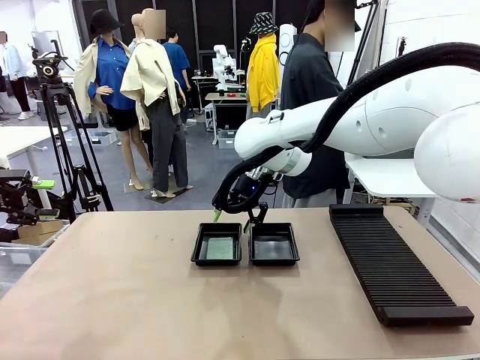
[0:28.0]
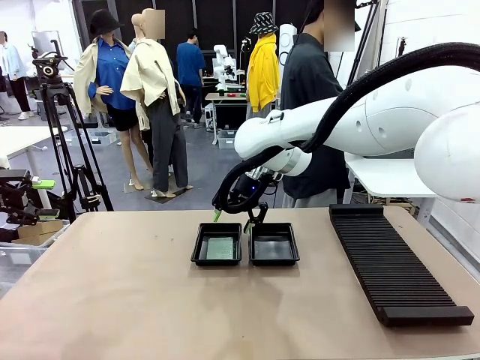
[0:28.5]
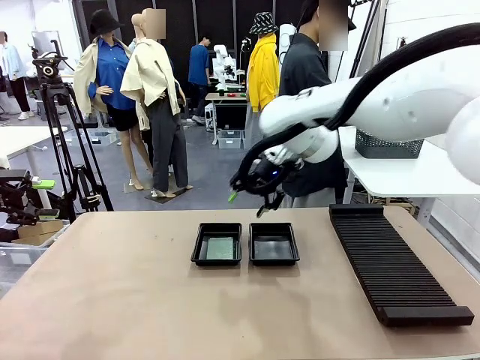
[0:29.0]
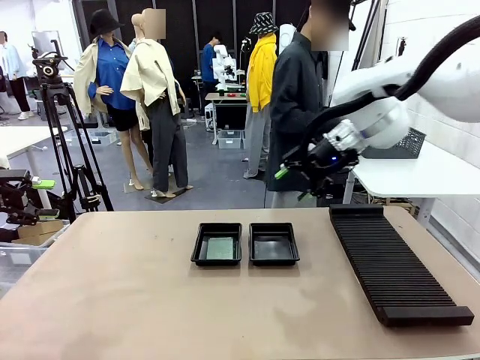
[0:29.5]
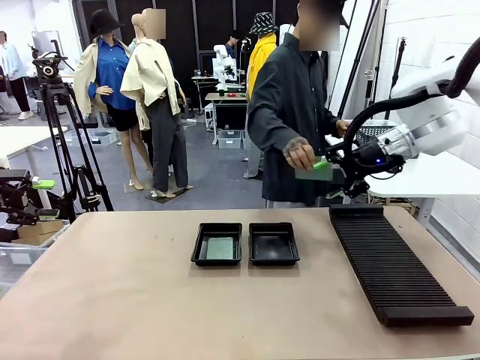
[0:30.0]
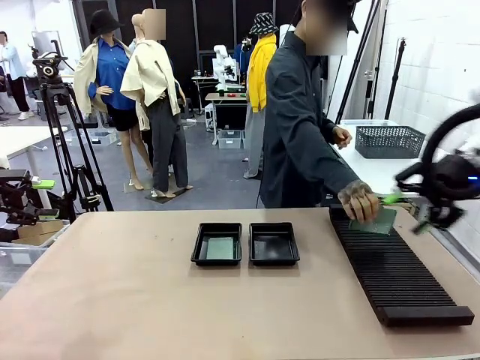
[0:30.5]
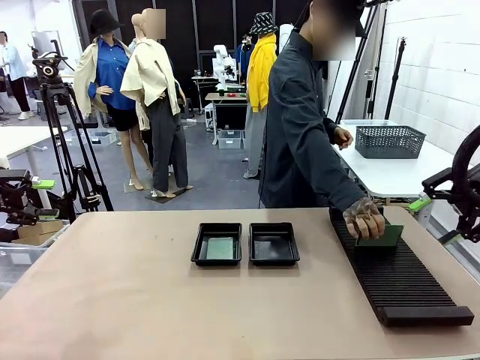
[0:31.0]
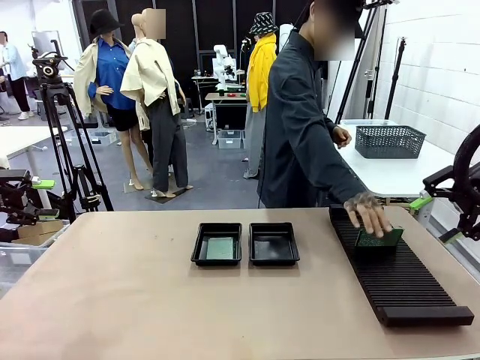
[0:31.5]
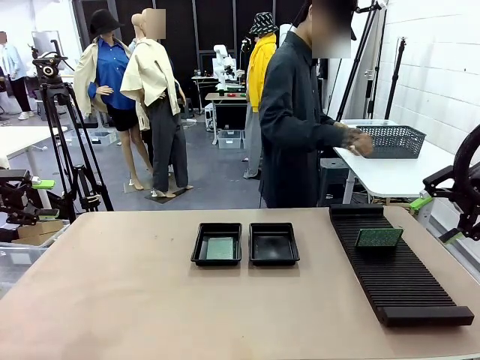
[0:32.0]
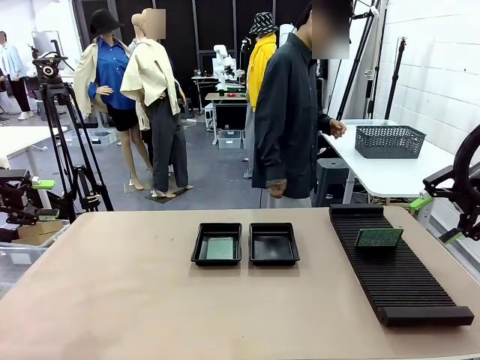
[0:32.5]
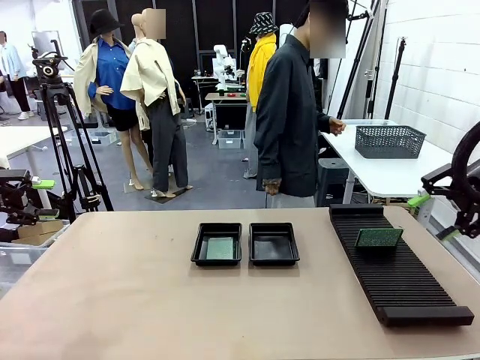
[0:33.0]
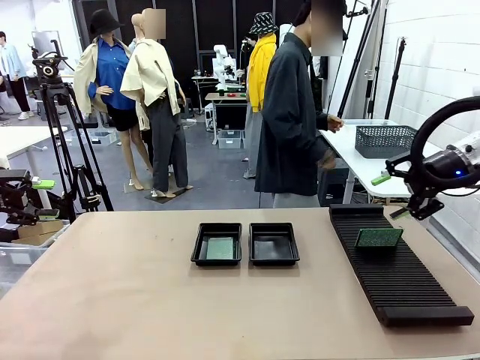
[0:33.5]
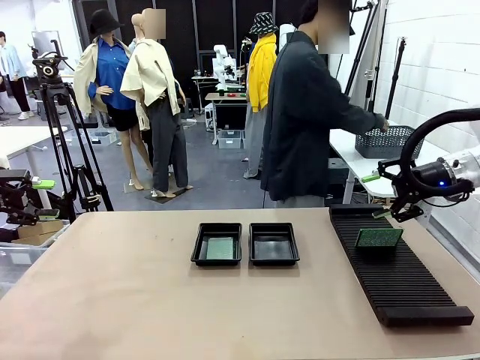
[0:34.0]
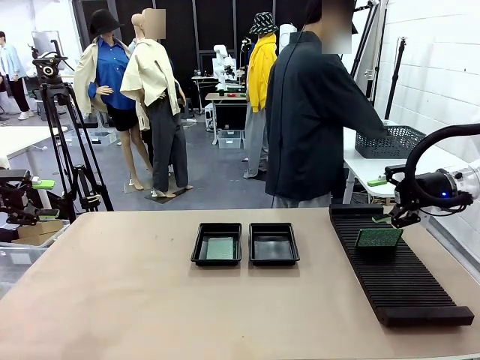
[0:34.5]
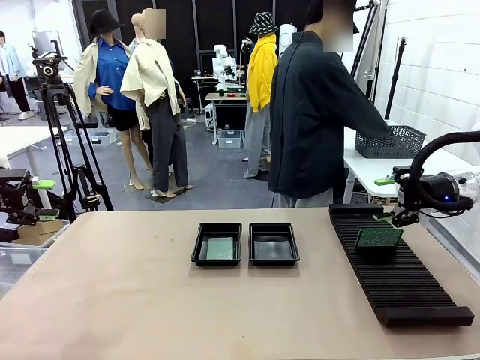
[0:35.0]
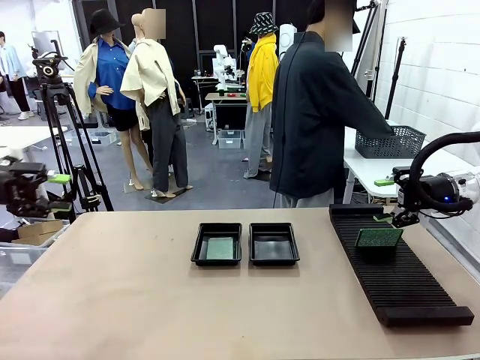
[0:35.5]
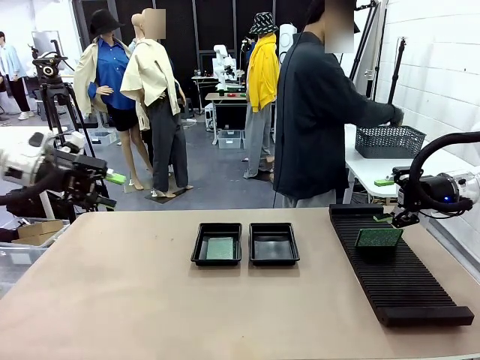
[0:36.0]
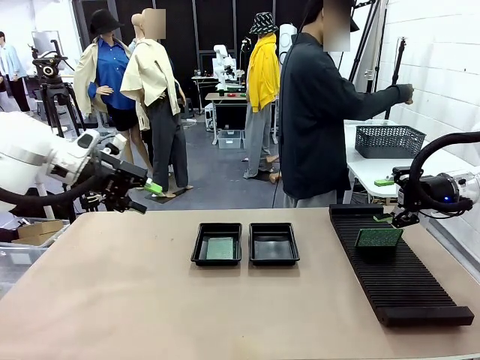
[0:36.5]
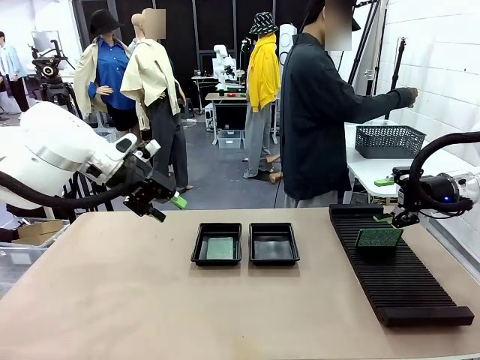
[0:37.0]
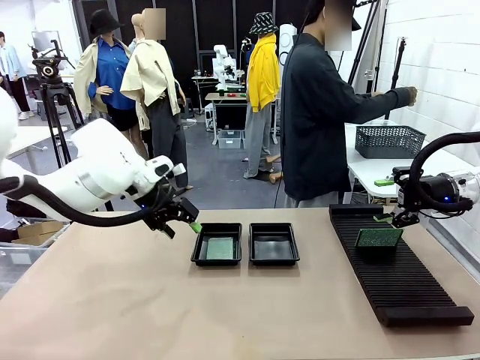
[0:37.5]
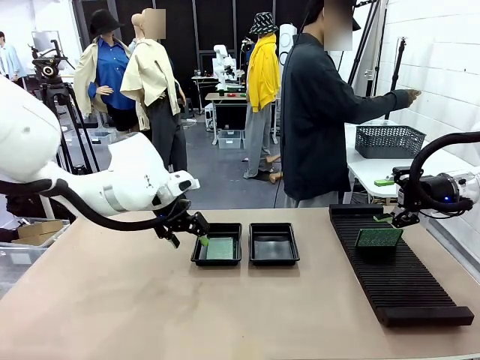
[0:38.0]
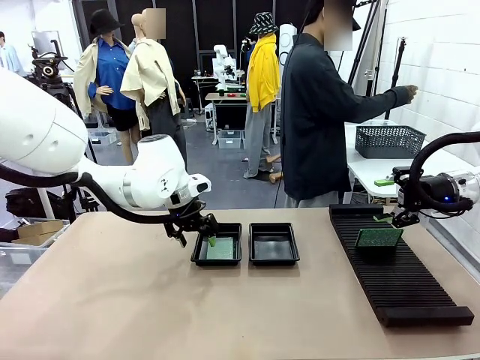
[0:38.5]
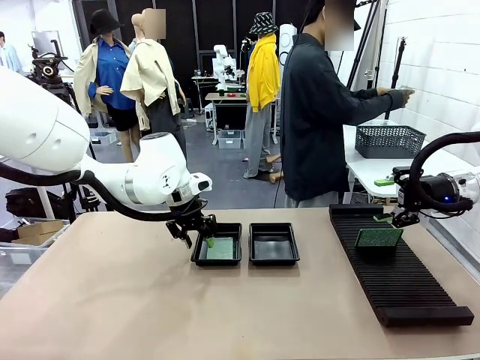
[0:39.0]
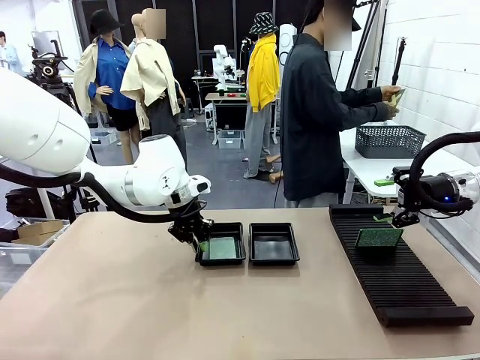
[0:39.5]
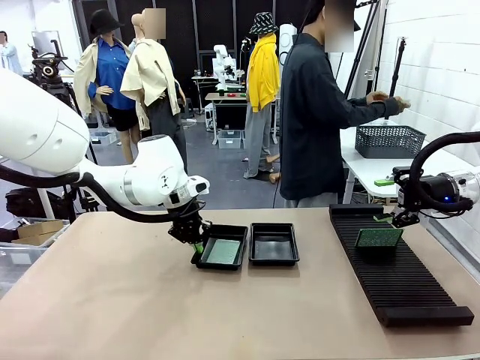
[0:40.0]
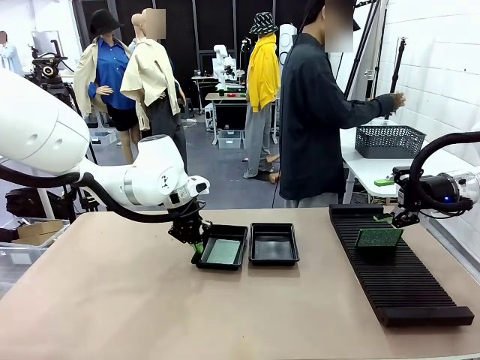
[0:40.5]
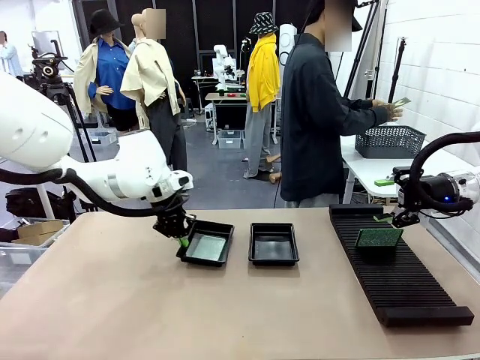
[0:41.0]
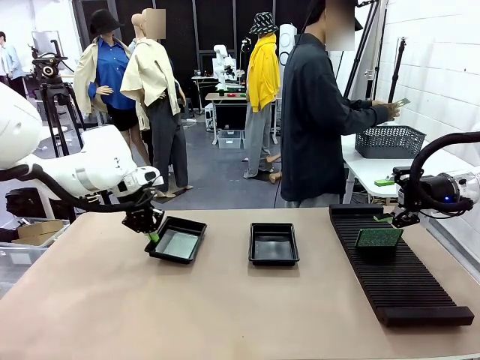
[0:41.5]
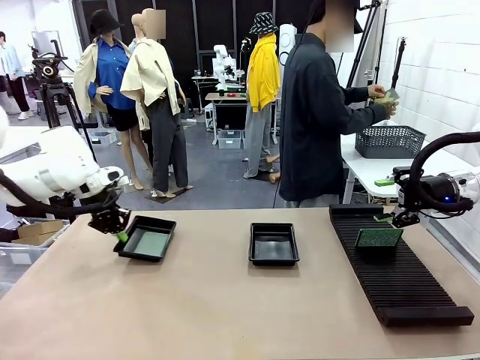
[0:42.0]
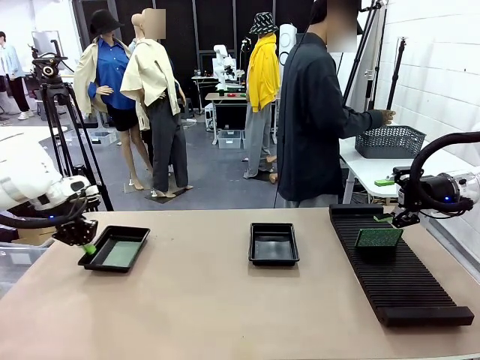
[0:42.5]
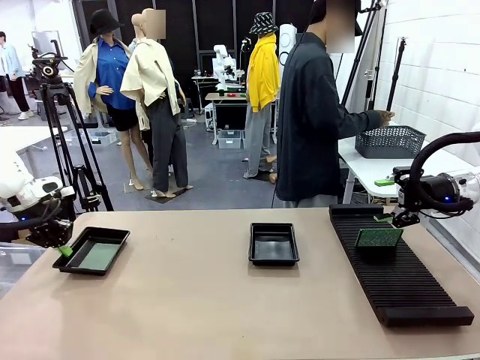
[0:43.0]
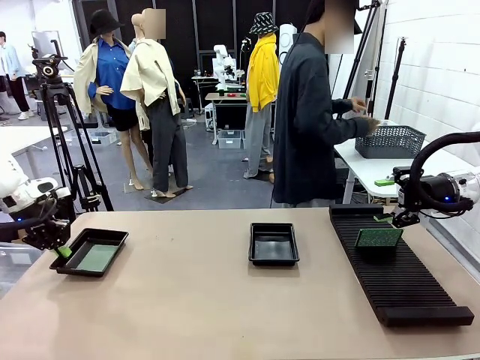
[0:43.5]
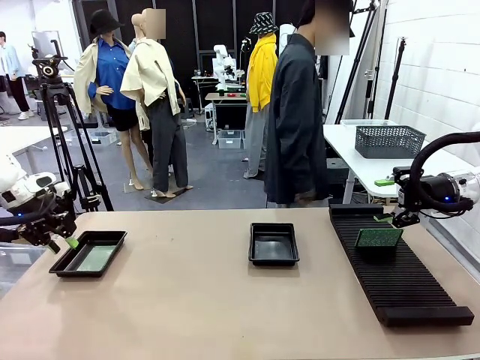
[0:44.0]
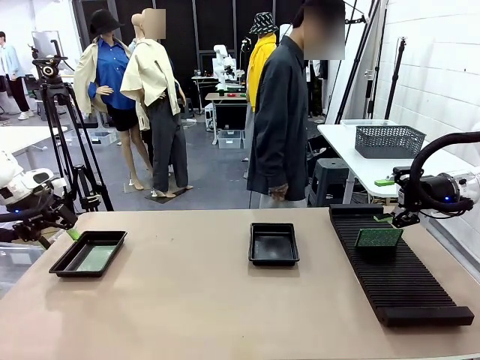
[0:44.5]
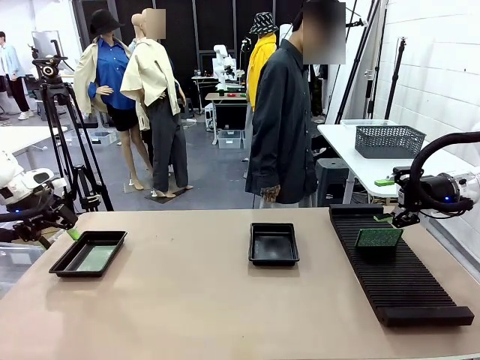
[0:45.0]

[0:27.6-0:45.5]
Task: Inspect and transfer BCBs to ESD trays.
Robot: Pick up the ESD tray and place it on the left side of the table.

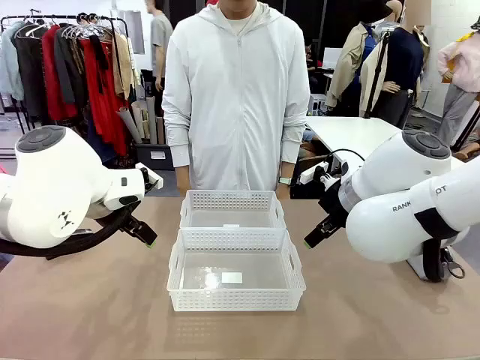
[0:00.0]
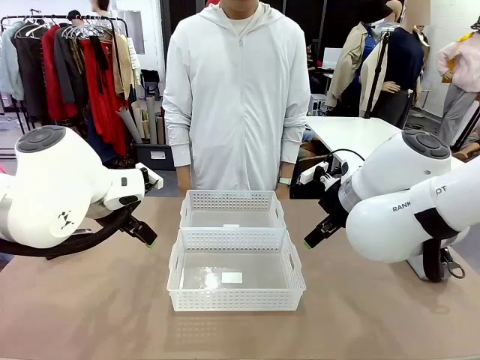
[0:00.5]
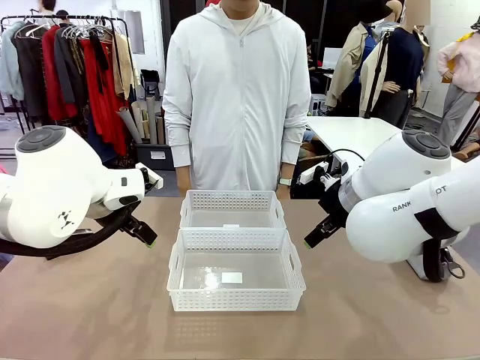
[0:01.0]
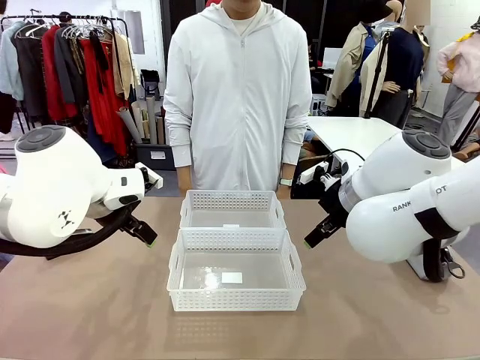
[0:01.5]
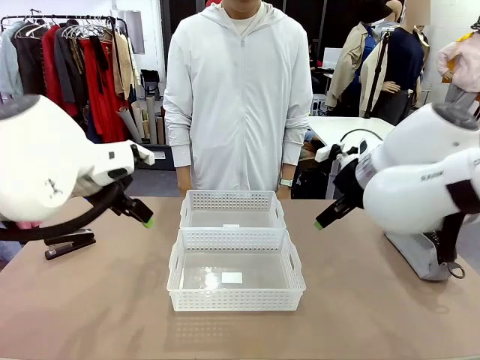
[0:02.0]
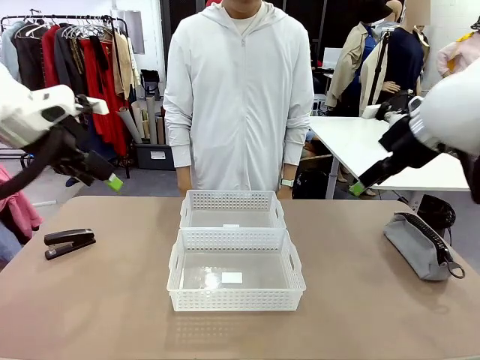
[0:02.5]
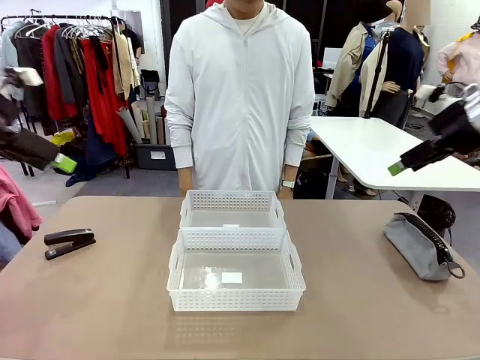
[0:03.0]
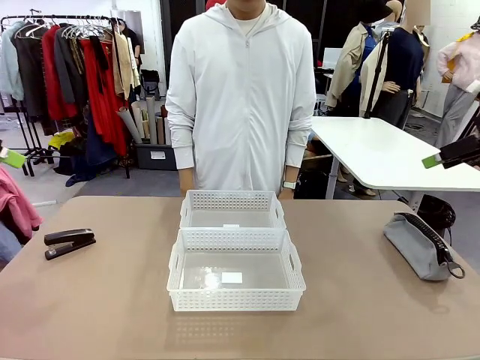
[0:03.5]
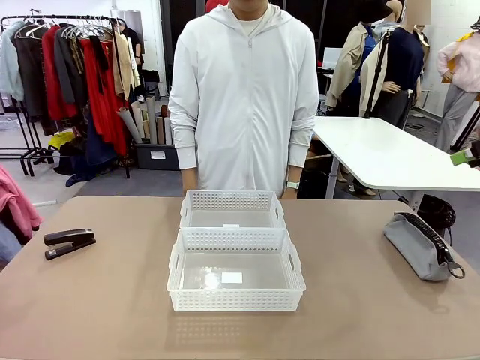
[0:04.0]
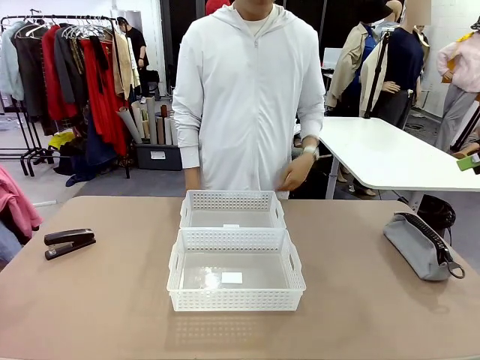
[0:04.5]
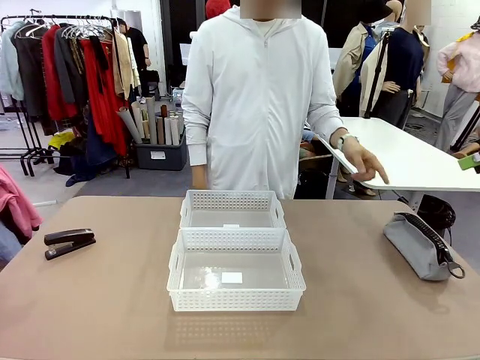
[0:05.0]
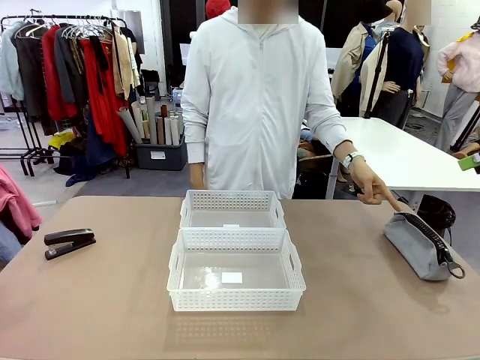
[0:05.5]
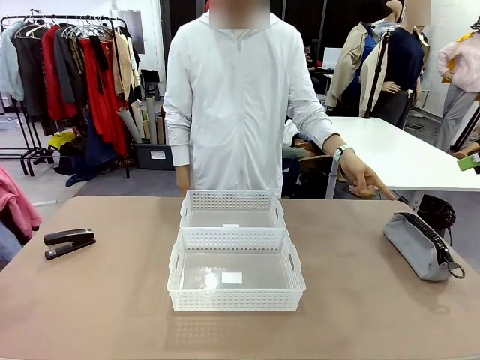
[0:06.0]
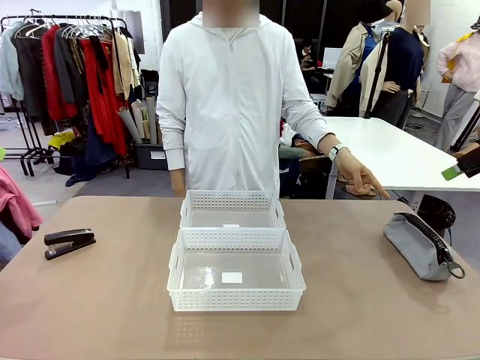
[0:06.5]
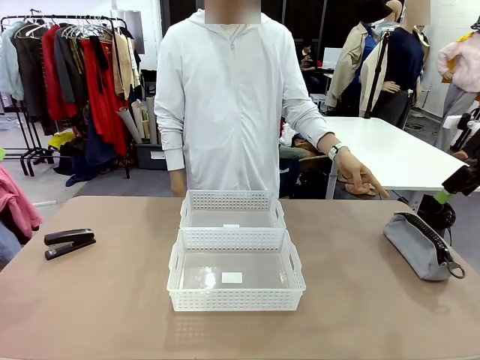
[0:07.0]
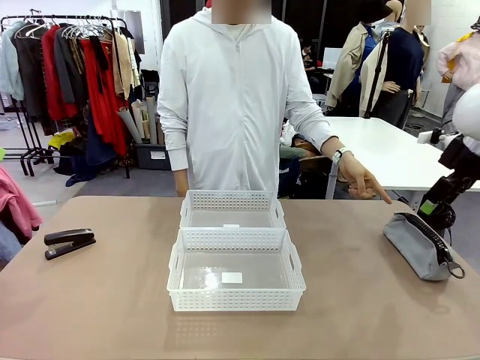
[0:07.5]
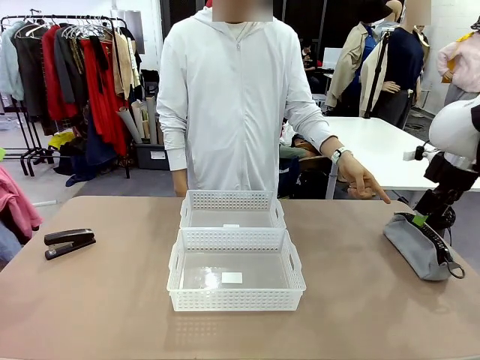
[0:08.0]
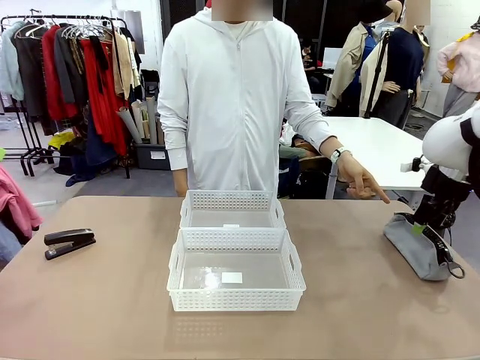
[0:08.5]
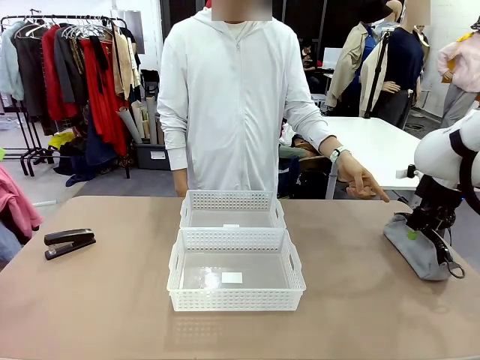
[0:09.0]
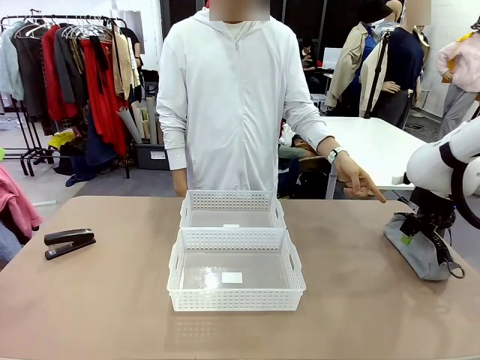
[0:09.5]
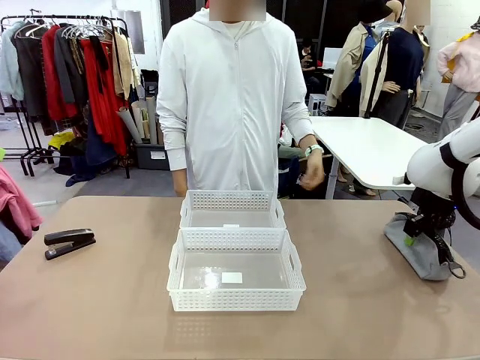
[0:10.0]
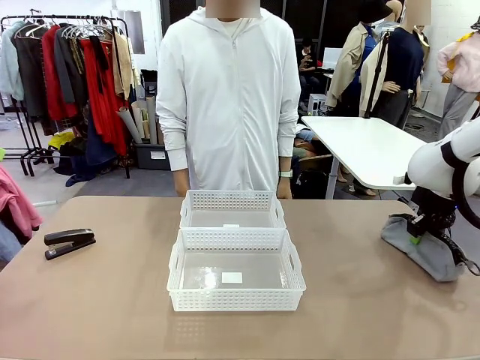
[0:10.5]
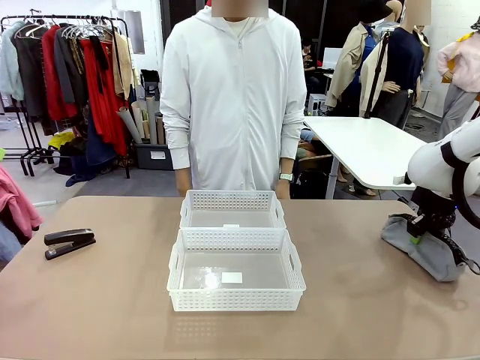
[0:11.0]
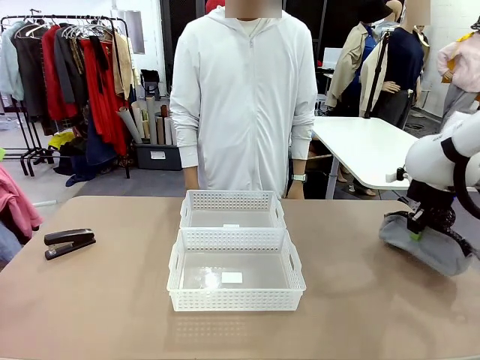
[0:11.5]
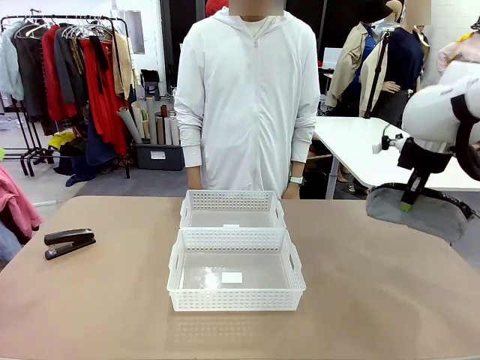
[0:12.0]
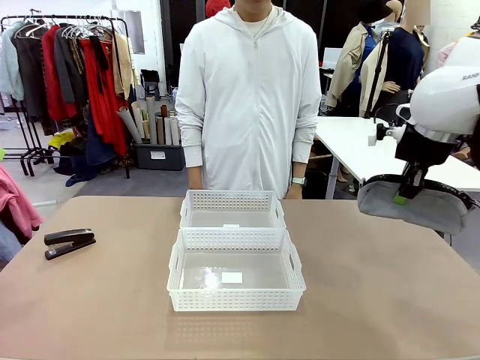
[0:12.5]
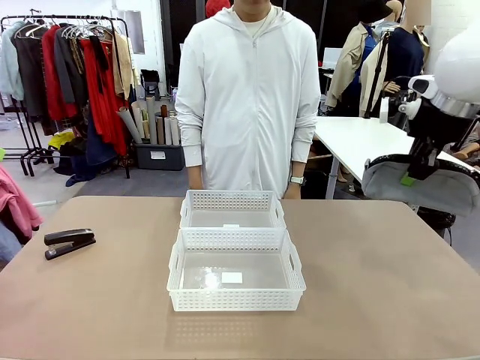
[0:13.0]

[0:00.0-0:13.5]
Task: Distribute items into two baskets.
Robot: Pick up the Pencil pouch that the person points to.
Person: Points to the pencil case. Points between the two organizing baskets and instructs the robot to move the pencil case.
